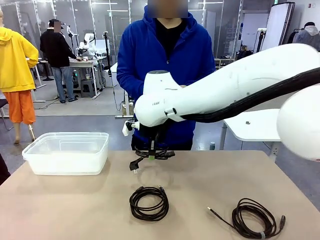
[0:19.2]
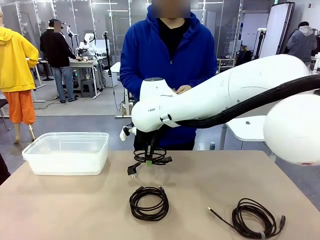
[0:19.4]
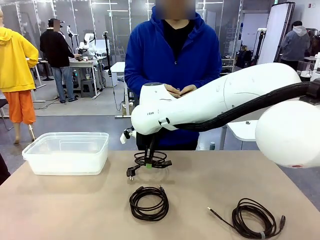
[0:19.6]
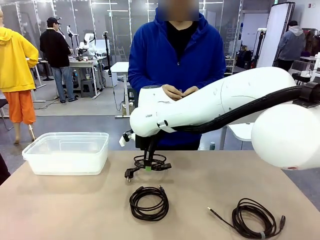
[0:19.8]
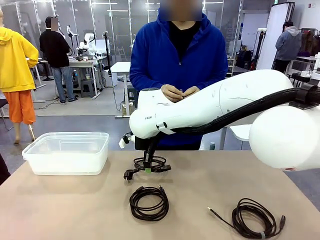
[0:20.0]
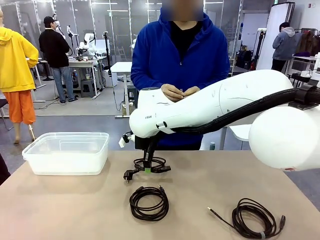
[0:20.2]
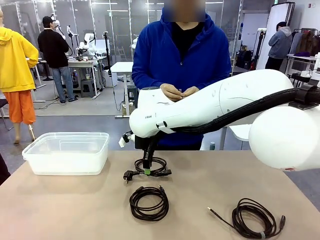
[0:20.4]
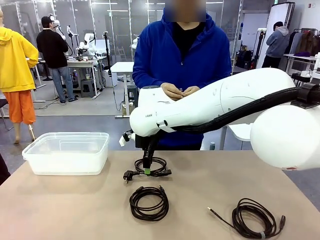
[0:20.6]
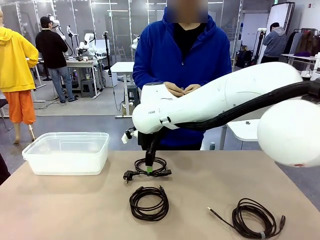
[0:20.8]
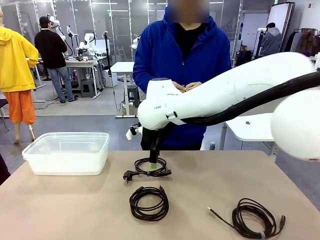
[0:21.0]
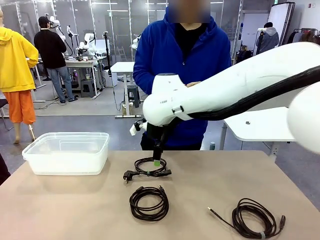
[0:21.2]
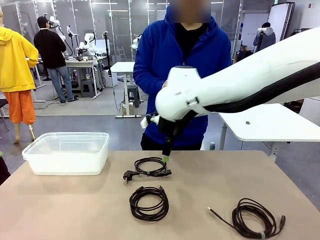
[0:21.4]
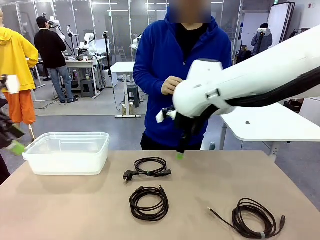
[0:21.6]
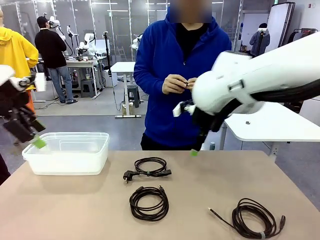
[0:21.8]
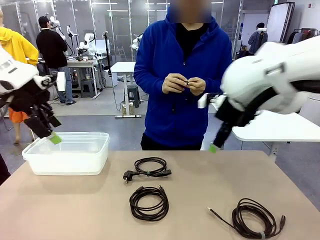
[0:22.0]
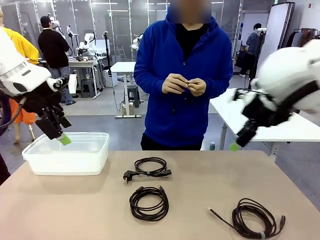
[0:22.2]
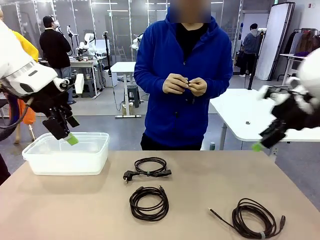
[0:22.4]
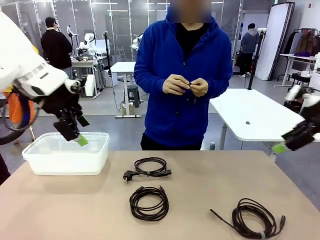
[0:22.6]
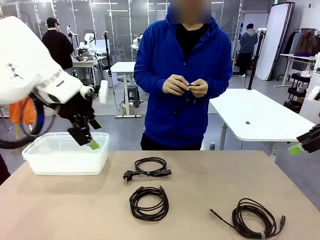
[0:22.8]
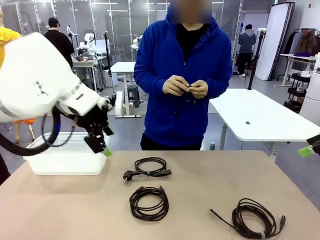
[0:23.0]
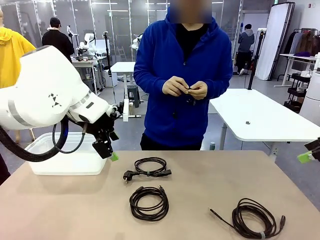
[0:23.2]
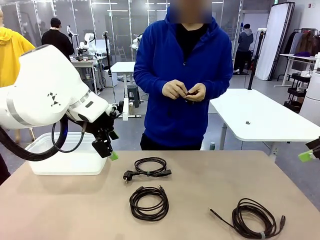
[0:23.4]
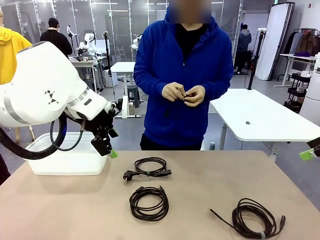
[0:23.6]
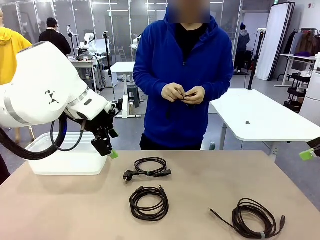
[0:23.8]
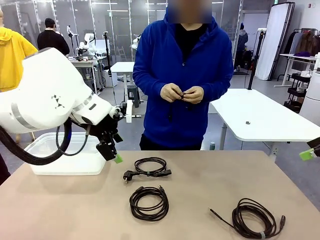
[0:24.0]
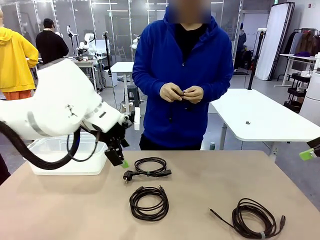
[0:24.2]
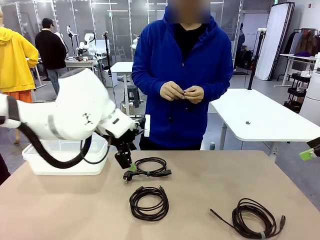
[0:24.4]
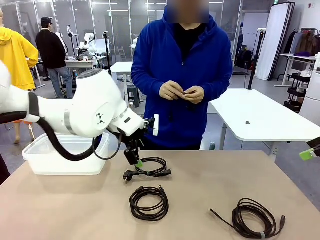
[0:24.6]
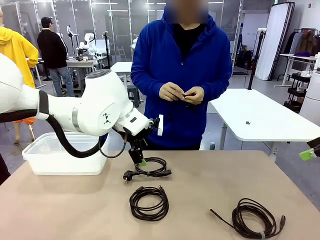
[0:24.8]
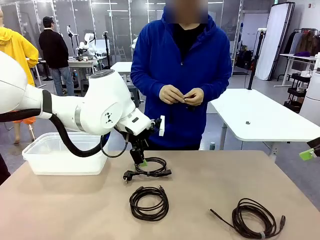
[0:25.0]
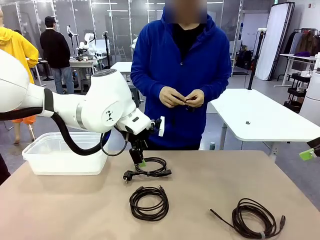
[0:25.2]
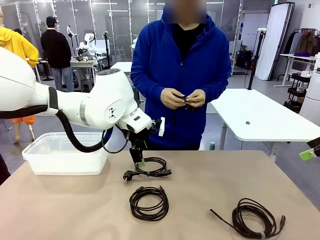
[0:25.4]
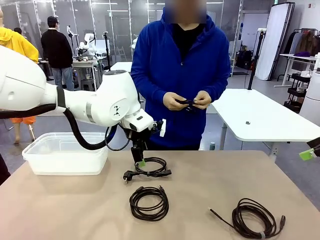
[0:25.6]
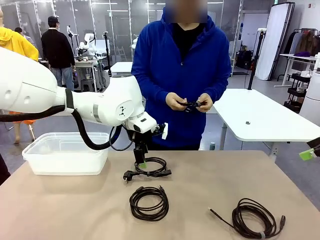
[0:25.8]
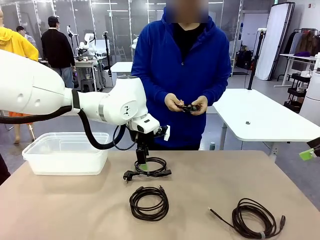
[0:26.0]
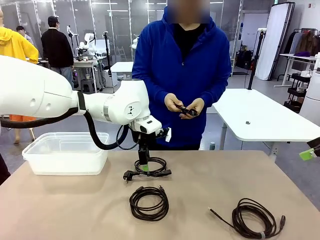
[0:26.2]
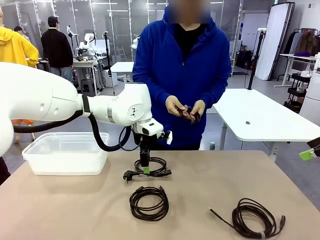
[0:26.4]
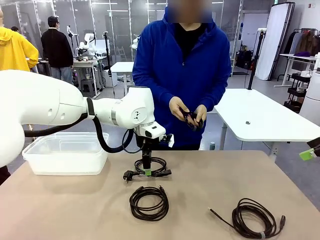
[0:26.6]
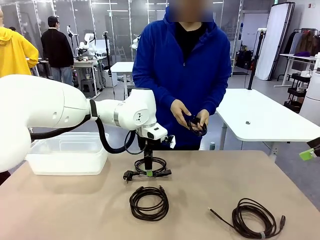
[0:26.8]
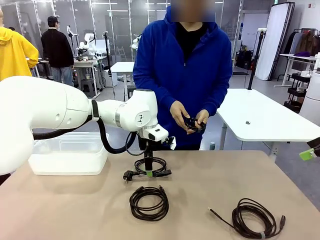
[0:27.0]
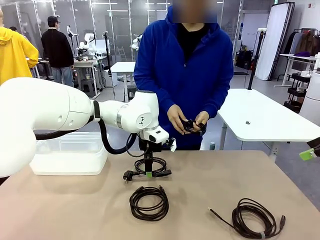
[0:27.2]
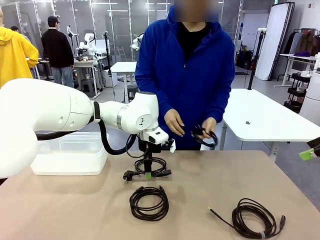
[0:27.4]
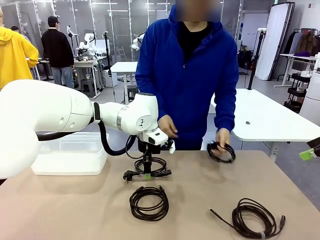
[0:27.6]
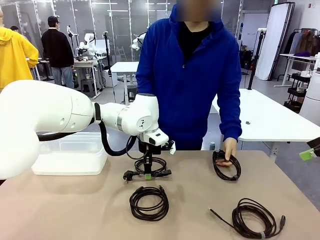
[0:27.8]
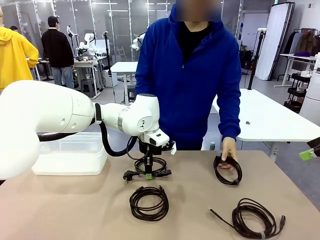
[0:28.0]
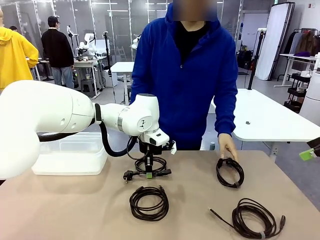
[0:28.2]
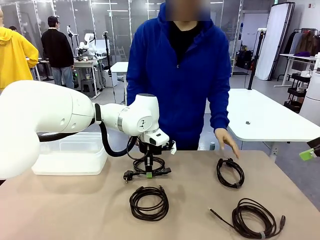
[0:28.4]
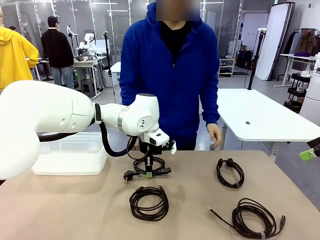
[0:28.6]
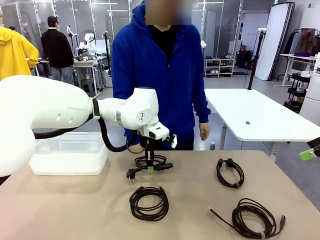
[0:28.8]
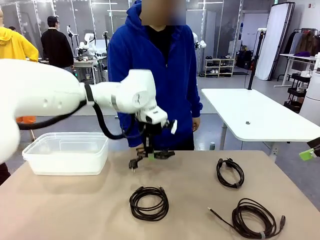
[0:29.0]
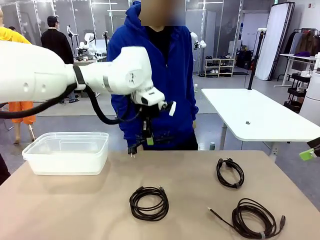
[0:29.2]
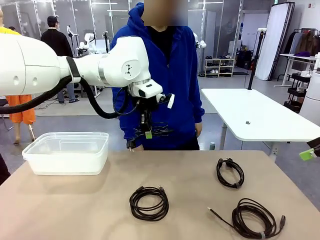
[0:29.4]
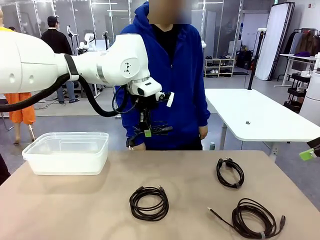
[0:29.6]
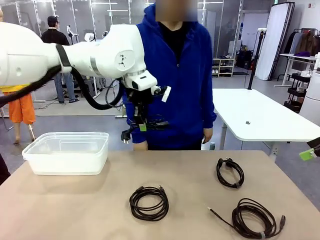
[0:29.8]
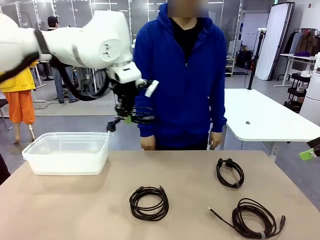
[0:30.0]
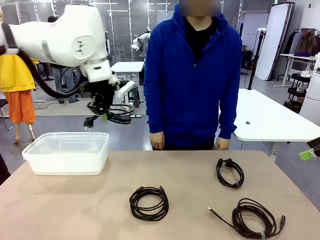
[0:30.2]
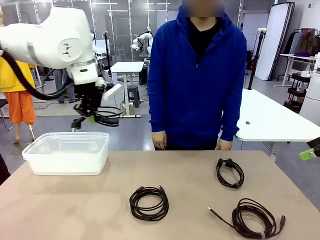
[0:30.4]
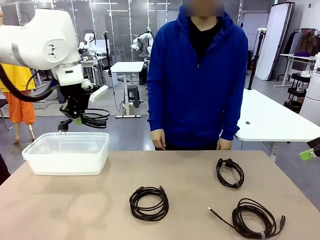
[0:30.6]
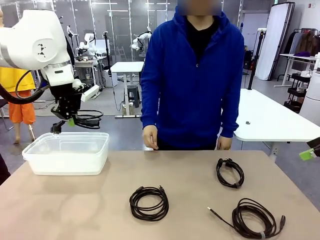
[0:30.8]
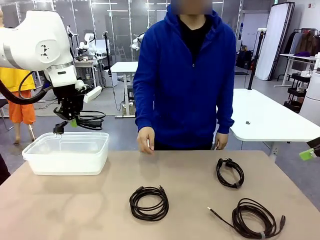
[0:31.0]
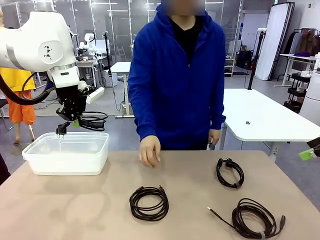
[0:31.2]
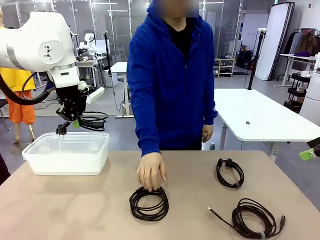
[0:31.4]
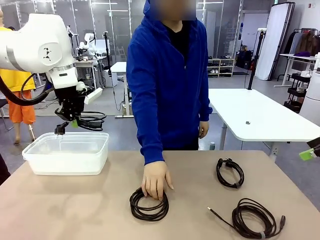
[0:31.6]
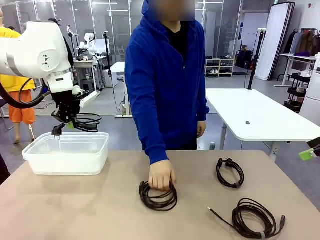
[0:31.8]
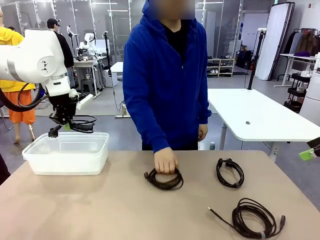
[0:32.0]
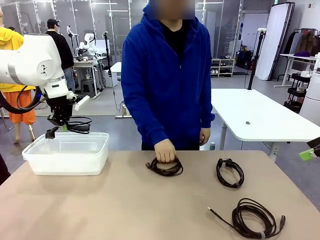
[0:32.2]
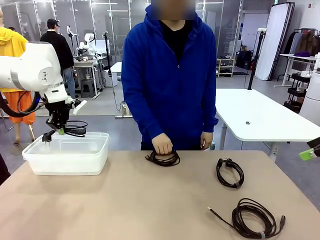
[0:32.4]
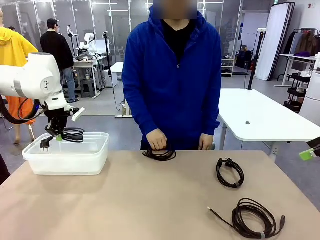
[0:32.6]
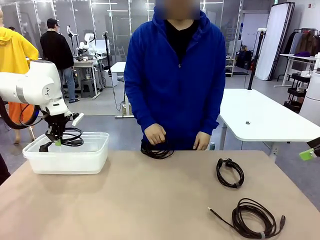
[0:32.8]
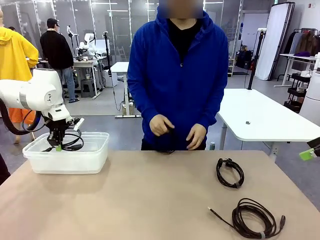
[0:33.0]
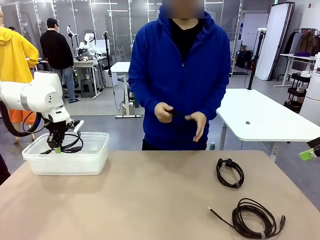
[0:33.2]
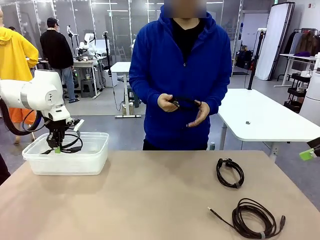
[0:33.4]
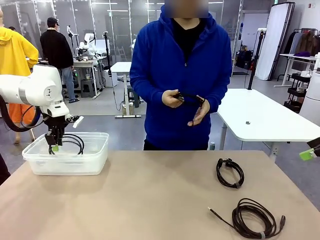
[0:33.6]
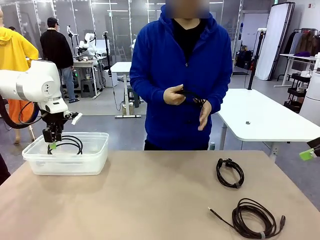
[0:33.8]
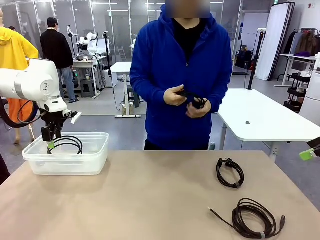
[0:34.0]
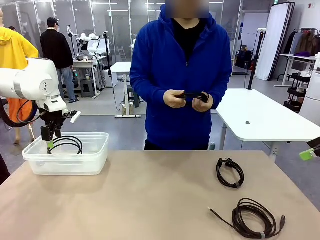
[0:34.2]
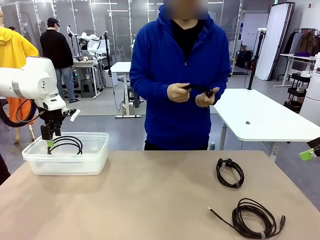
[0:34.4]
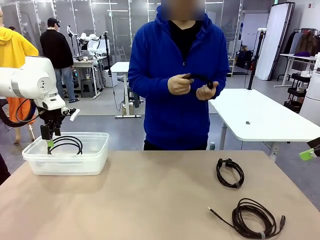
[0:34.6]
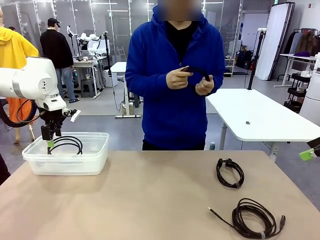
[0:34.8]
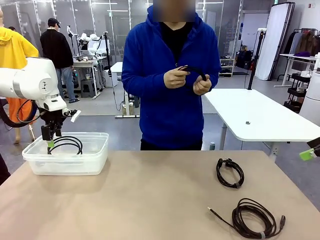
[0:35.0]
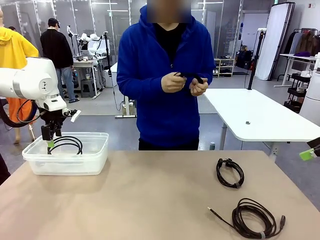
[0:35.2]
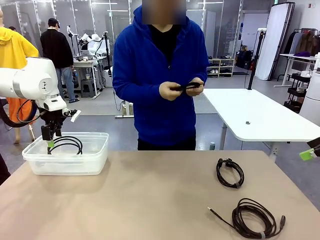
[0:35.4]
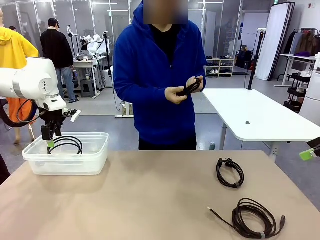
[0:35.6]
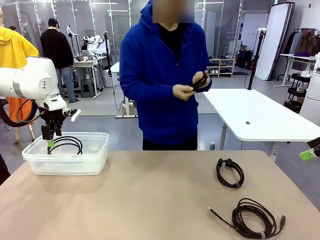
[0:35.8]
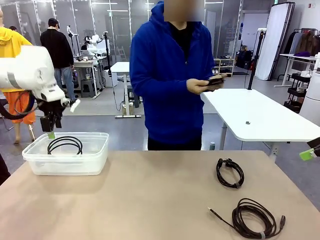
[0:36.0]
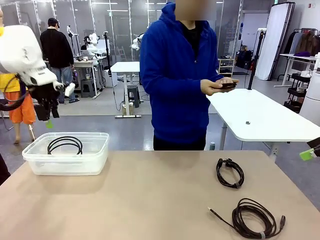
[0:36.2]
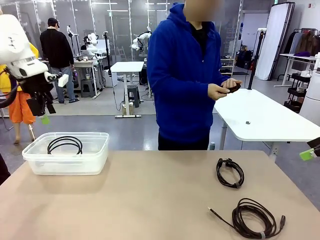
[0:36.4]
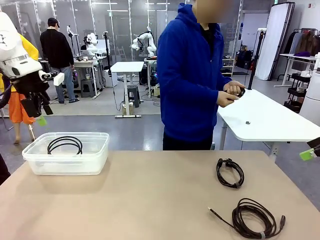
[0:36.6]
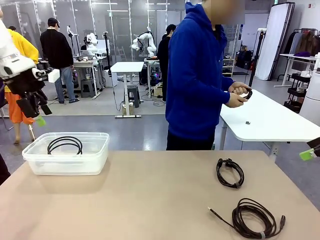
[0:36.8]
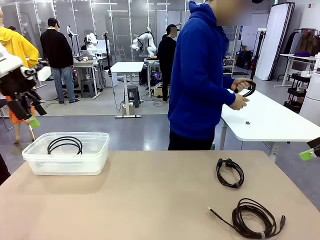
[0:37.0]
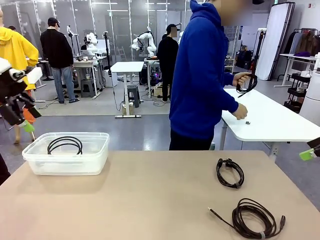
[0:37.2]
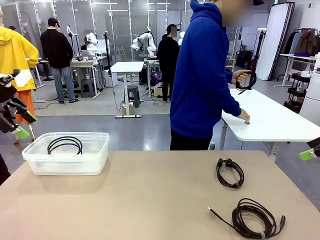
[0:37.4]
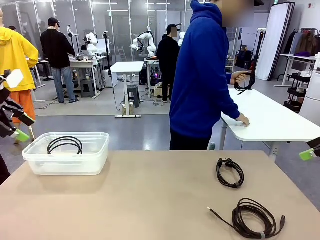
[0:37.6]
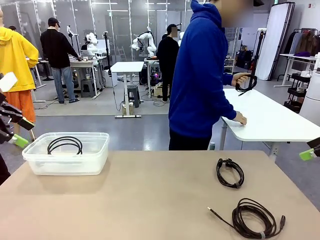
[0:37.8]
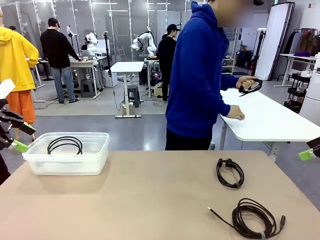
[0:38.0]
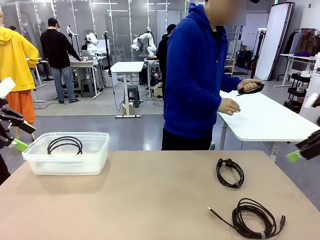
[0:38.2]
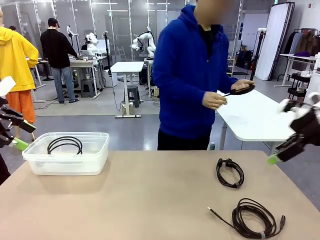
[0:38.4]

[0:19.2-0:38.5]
Task: Organize and store the cables.
Robot: Place the Power Cable into the Organizing box.
